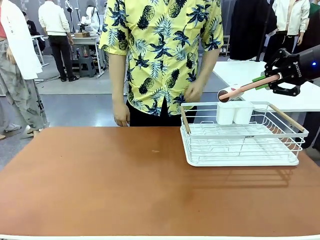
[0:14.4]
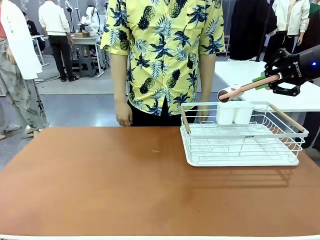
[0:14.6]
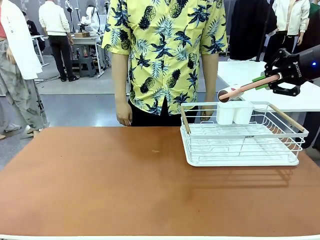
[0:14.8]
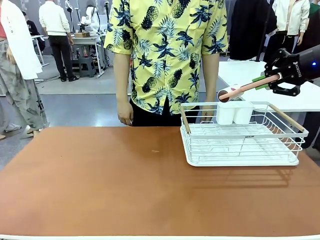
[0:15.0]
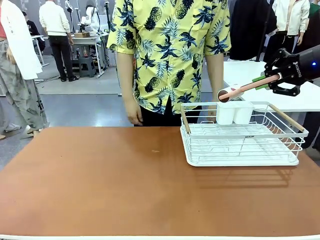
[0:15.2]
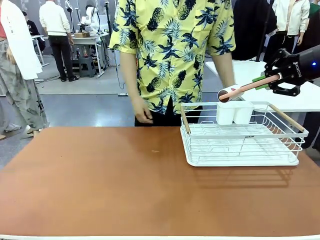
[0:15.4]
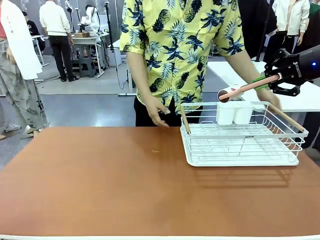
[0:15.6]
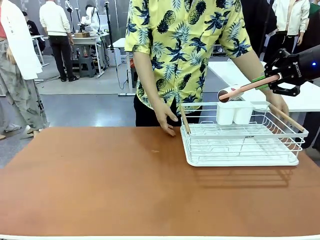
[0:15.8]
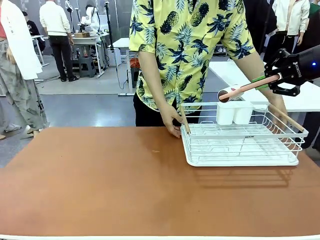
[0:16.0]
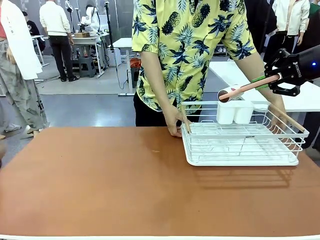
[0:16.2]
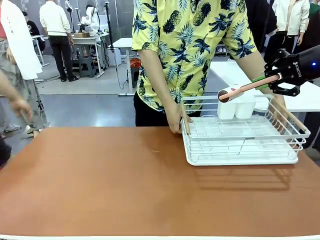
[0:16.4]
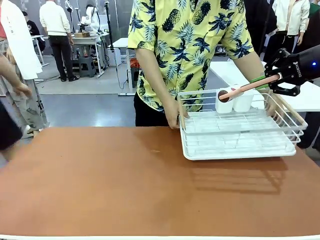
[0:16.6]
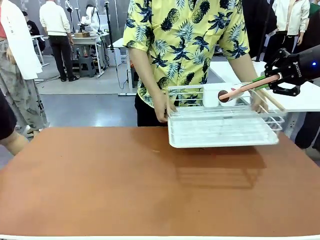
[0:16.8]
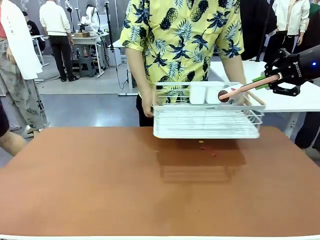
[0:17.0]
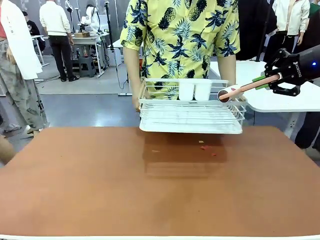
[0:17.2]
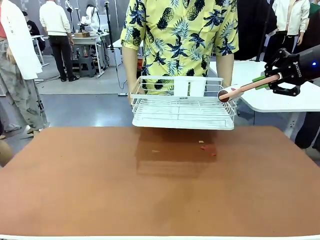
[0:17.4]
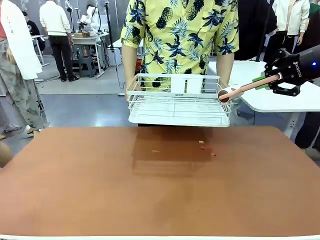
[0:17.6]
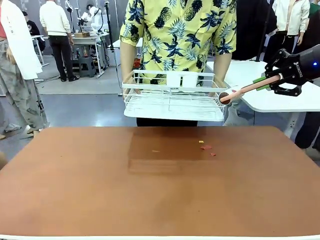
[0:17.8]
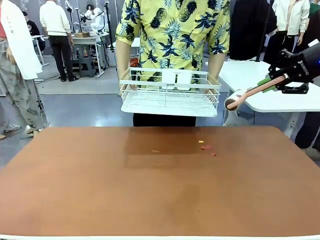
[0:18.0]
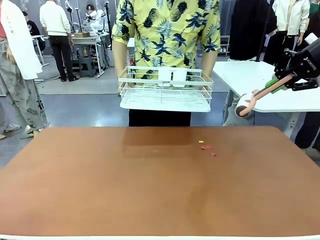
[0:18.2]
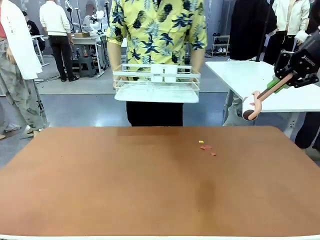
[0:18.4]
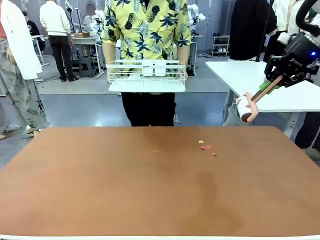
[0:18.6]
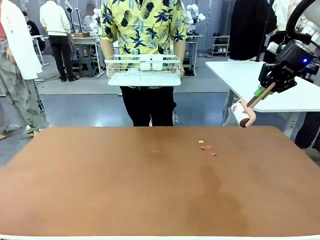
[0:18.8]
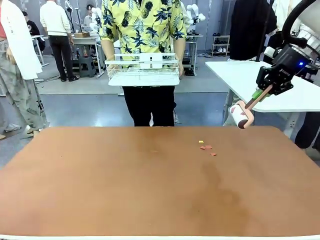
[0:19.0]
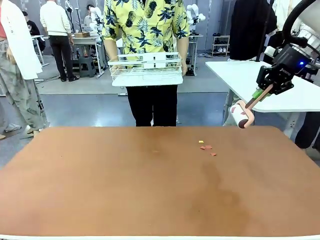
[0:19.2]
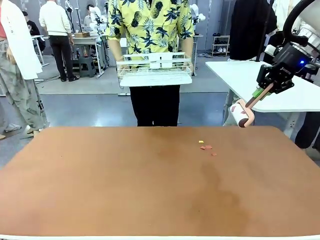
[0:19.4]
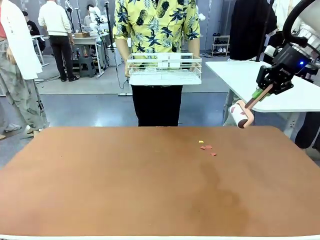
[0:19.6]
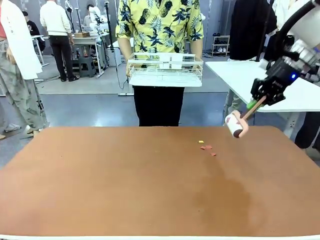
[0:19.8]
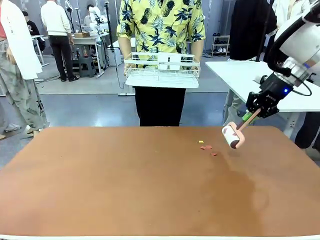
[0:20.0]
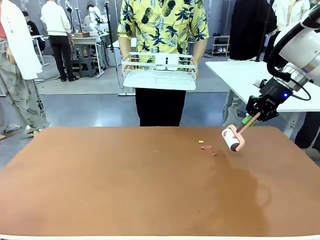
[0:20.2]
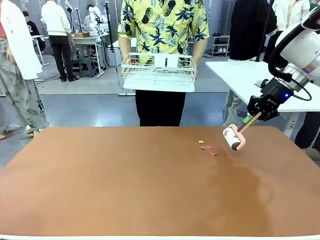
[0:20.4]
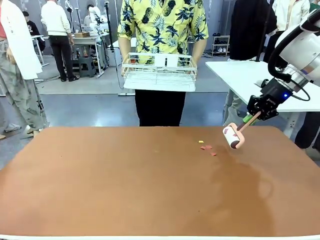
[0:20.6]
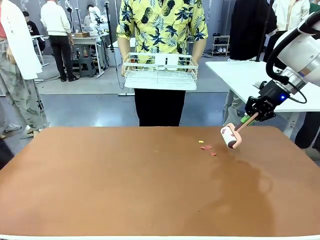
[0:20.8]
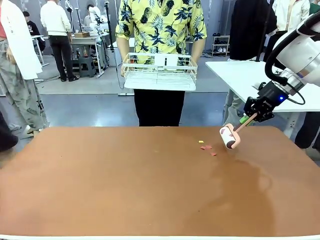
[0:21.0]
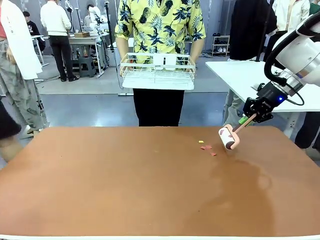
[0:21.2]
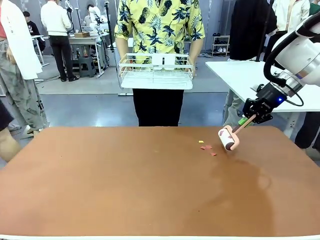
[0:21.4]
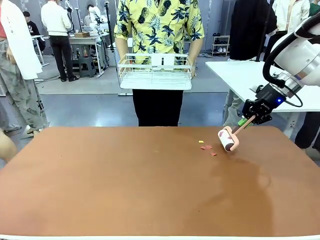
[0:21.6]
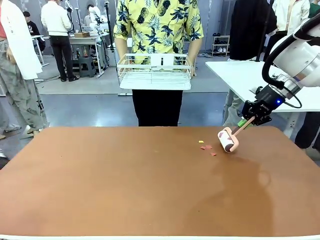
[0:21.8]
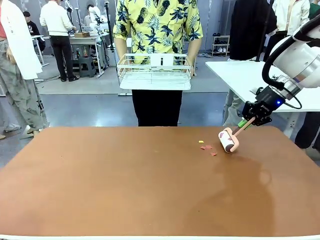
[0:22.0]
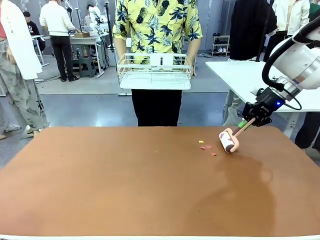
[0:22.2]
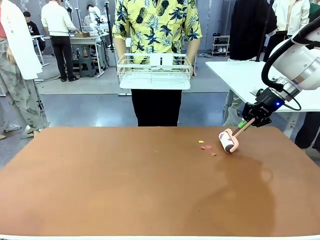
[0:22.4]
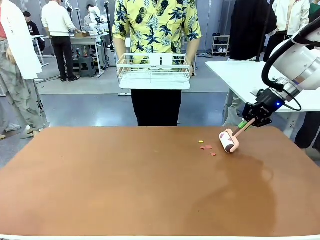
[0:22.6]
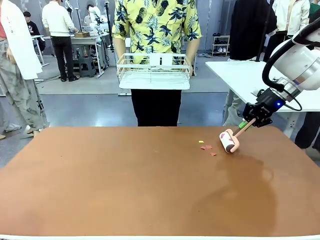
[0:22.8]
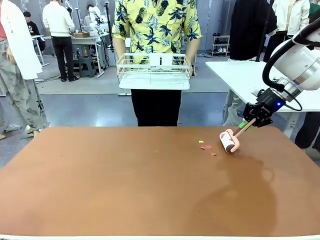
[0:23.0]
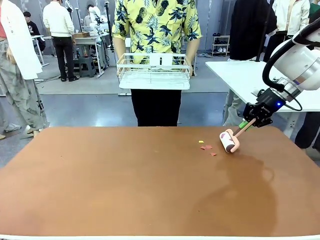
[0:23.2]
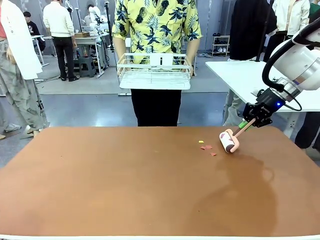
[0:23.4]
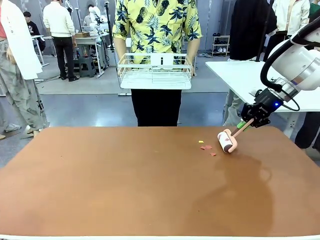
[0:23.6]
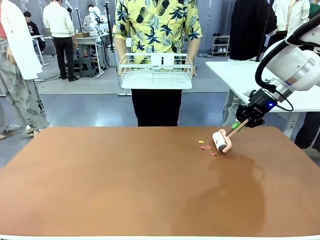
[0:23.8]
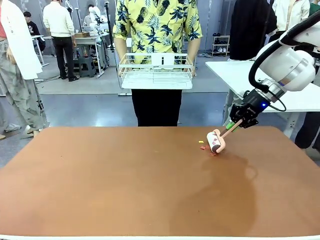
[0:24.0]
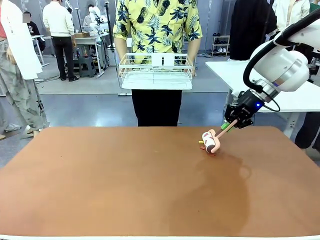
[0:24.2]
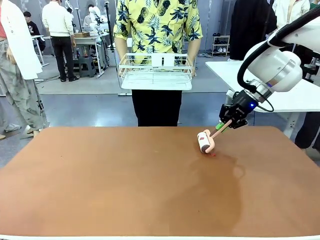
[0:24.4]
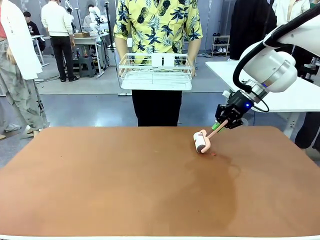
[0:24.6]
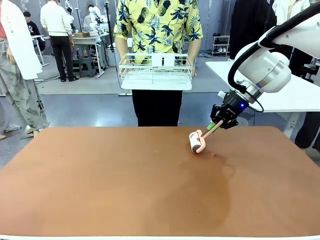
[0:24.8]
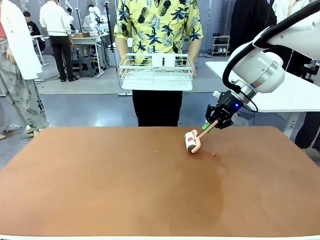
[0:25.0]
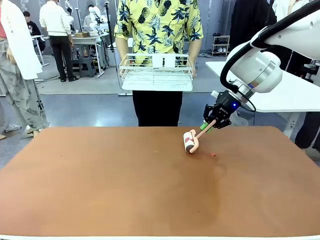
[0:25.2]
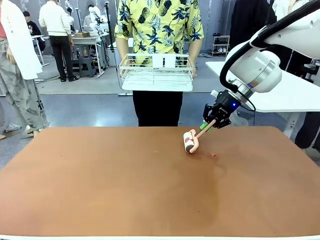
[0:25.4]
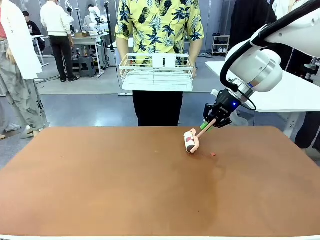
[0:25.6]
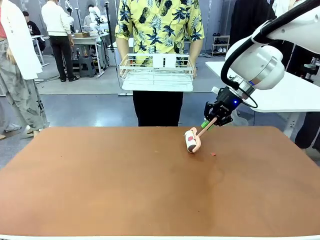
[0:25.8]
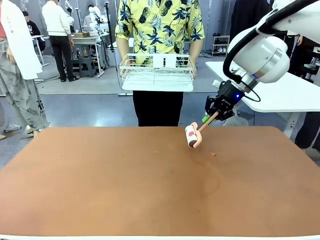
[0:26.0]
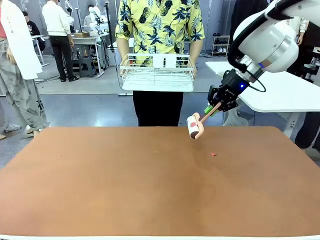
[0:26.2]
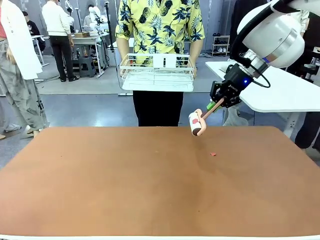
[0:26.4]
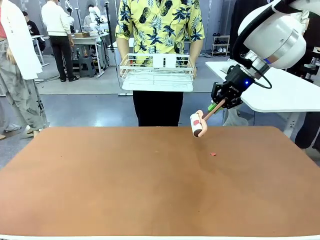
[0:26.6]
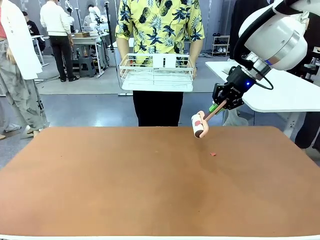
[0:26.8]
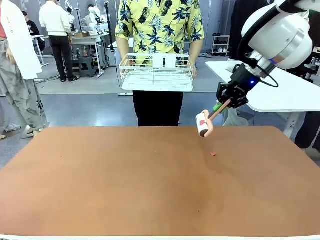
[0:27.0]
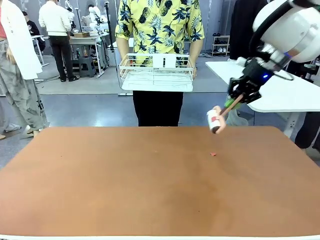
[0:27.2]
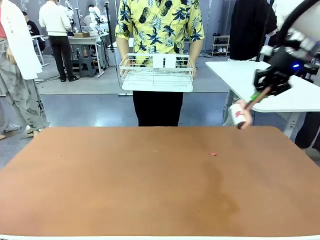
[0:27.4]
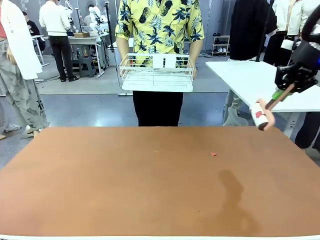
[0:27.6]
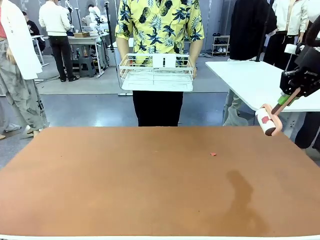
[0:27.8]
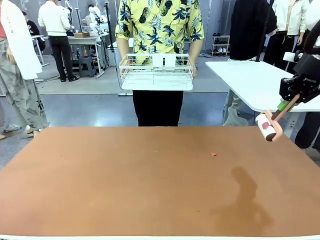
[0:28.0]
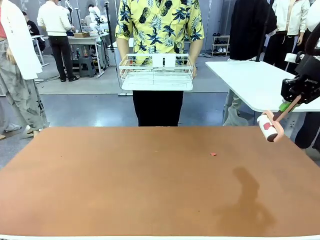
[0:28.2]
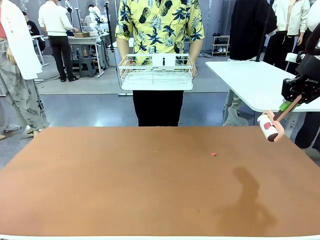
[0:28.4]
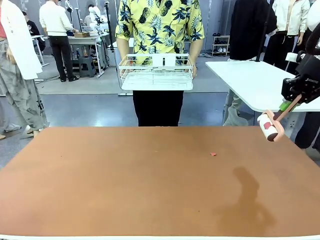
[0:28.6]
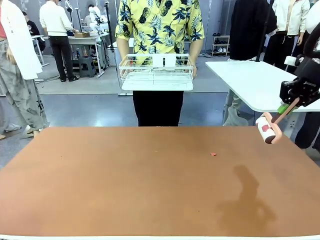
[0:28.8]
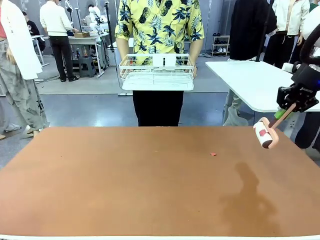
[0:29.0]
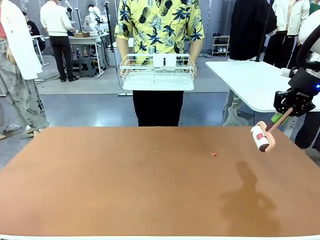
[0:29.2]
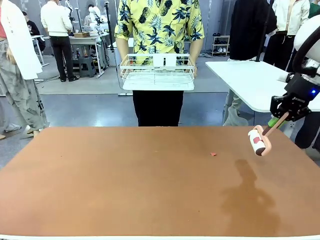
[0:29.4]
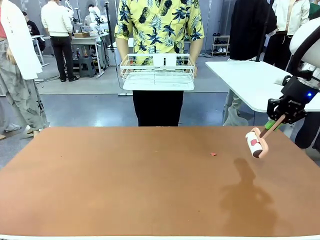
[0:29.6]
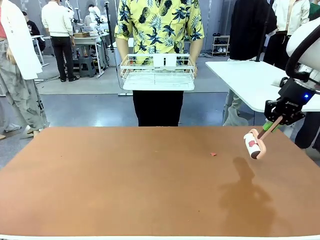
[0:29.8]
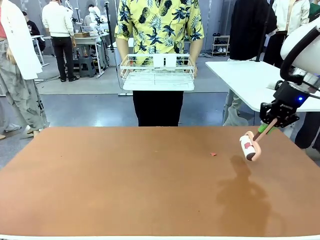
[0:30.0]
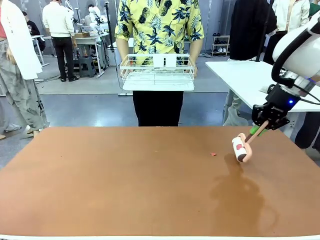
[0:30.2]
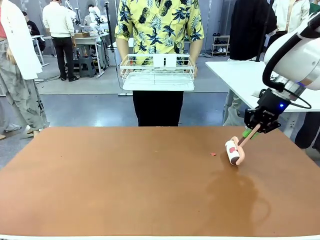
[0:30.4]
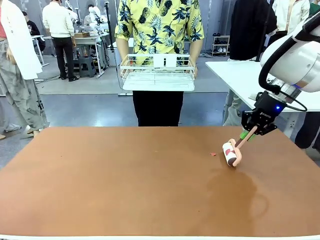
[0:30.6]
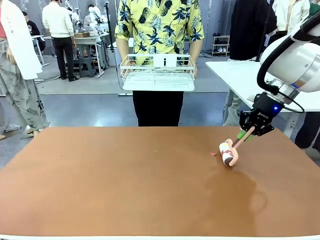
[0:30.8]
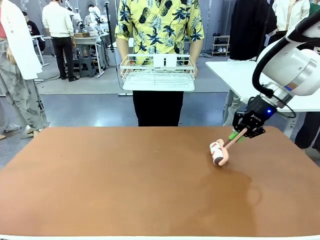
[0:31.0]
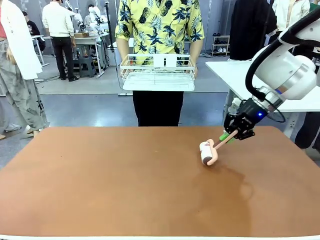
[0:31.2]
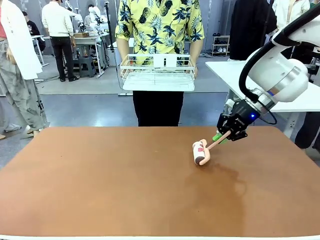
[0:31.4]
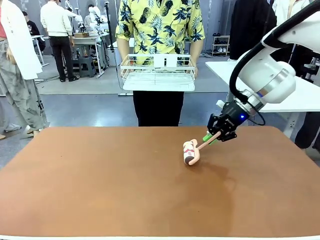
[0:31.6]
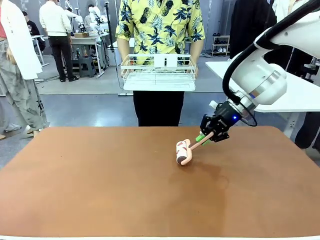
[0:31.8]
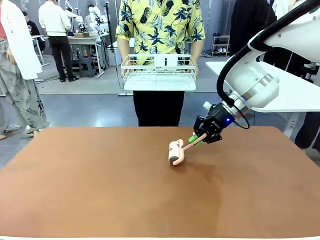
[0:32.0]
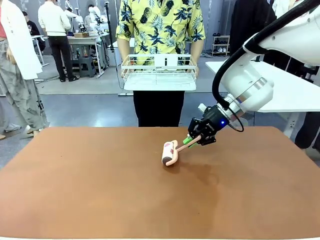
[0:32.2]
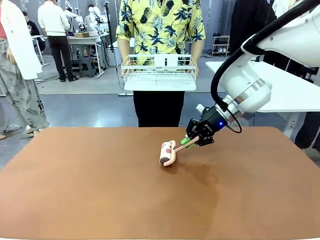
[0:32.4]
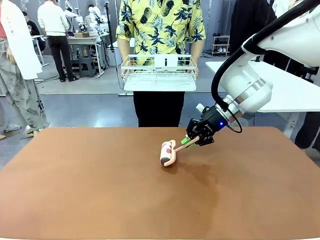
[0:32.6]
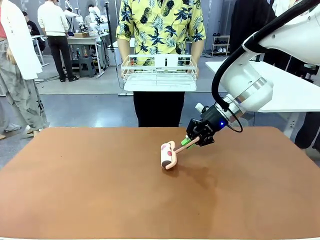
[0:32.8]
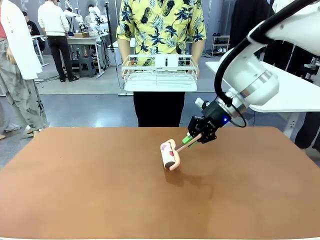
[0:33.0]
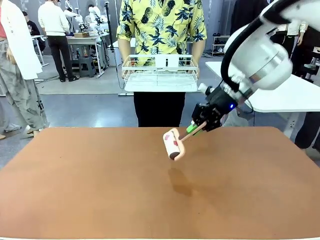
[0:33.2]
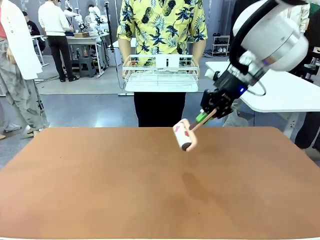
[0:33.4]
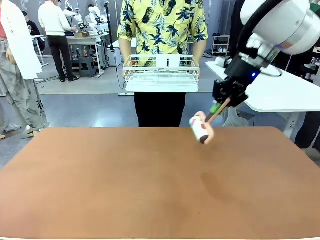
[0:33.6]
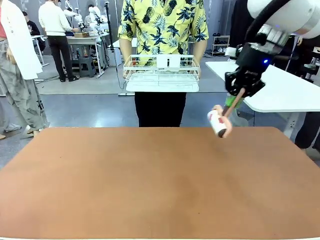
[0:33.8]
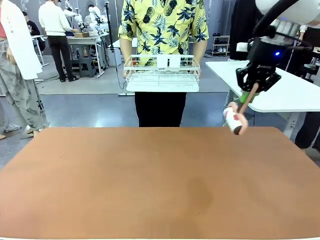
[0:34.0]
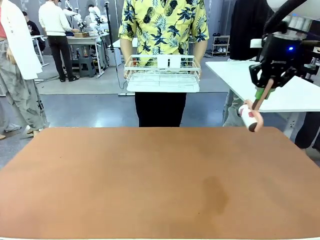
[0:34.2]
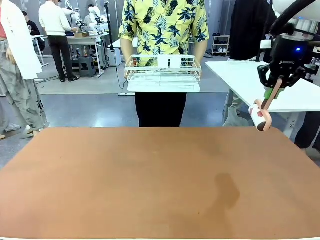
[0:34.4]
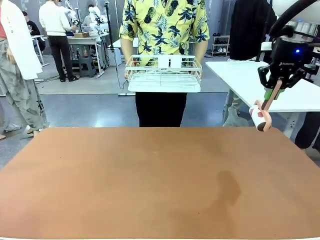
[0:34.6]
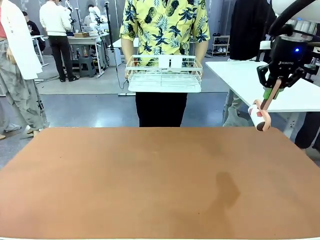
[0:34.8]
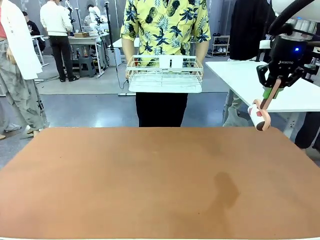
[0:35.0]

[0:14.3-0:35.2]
Task: Clean the table.
Robot: Clean the table with the Lint Roller when the human lifts the Dish drying rack.
Person: Place the Dish drying rack down when the robot finishes cleaning.
